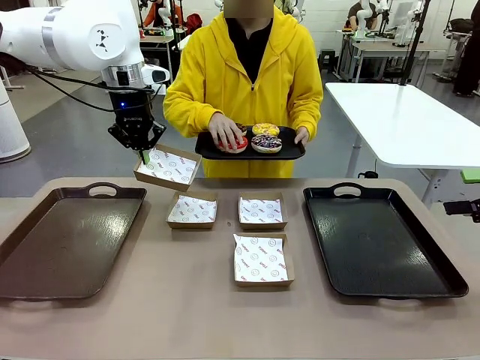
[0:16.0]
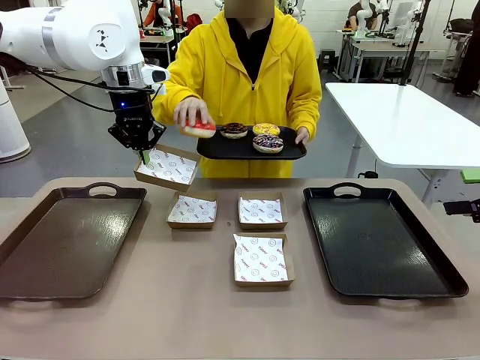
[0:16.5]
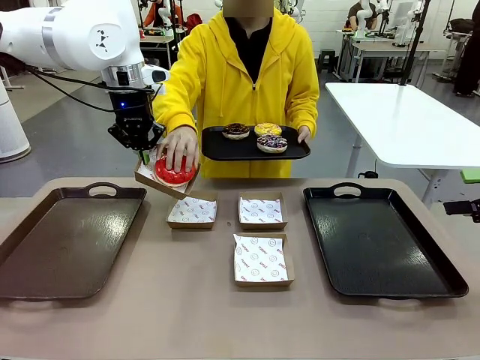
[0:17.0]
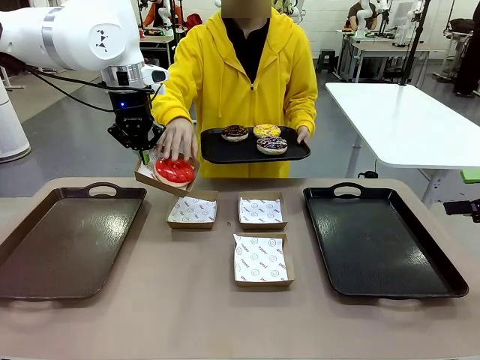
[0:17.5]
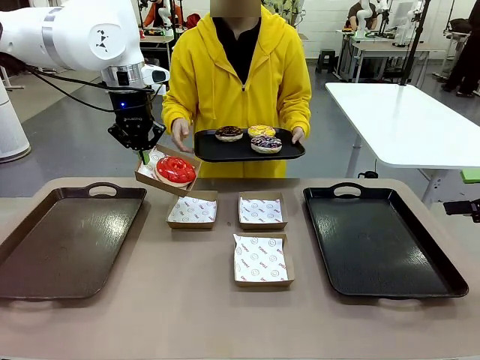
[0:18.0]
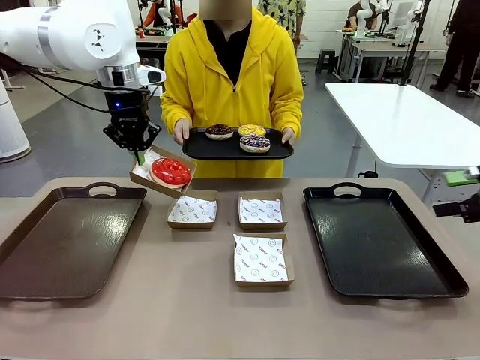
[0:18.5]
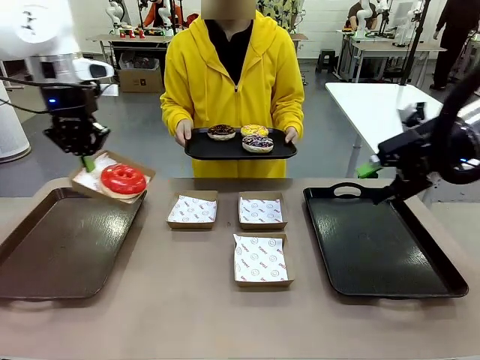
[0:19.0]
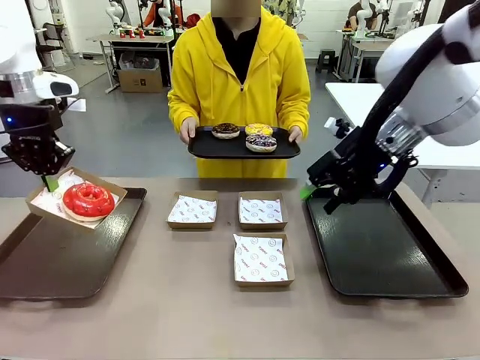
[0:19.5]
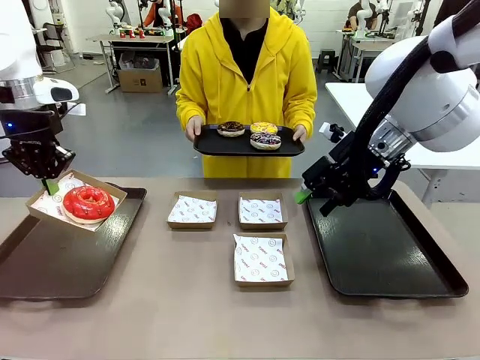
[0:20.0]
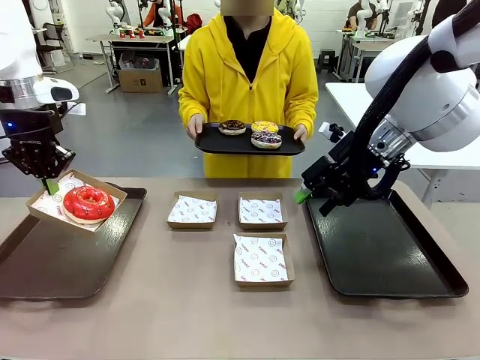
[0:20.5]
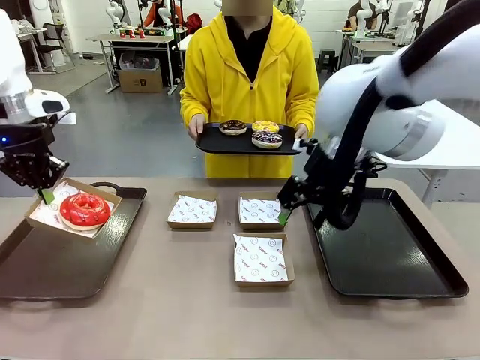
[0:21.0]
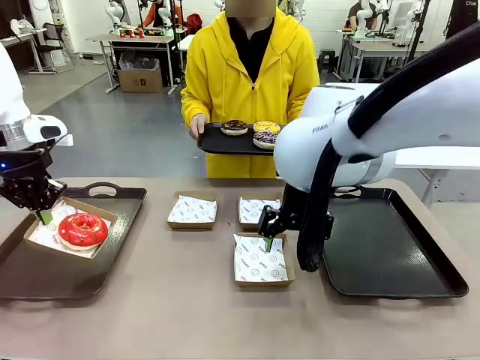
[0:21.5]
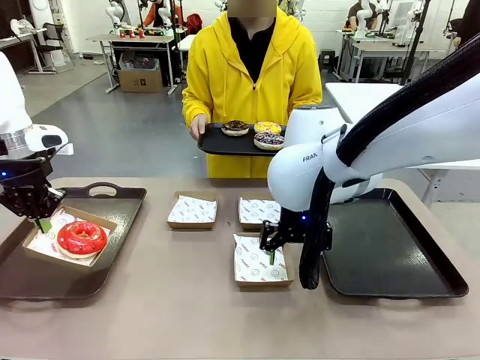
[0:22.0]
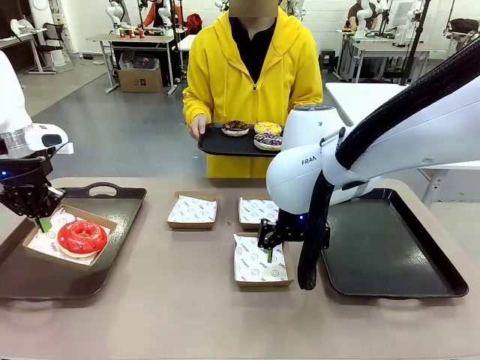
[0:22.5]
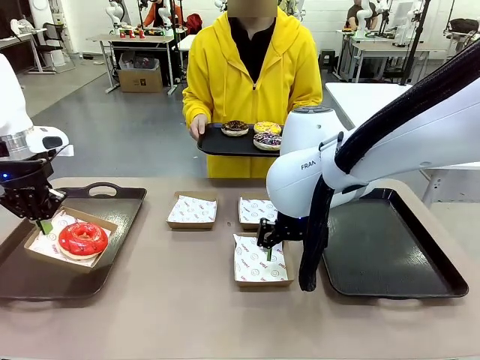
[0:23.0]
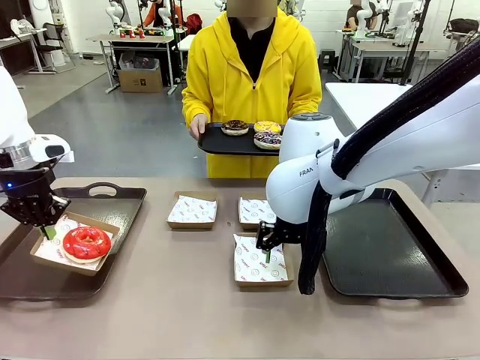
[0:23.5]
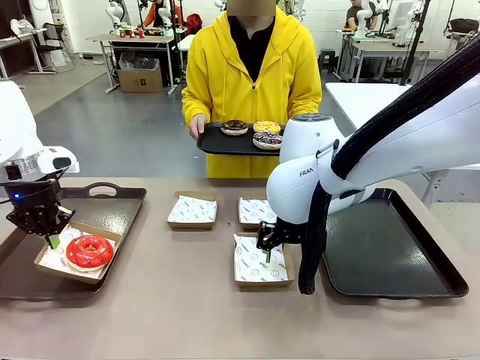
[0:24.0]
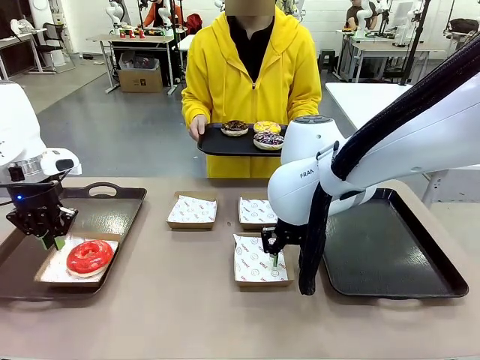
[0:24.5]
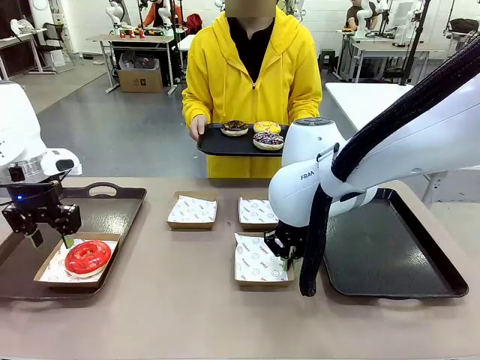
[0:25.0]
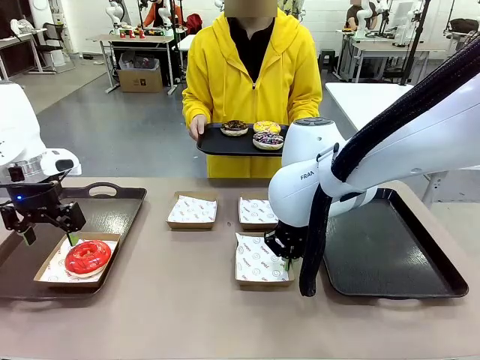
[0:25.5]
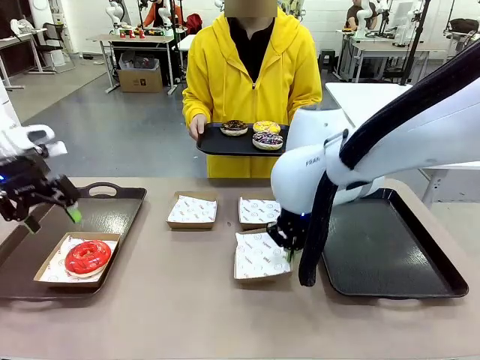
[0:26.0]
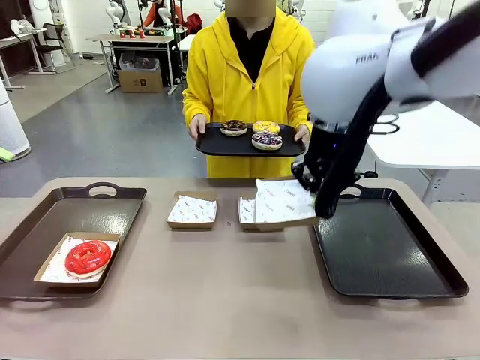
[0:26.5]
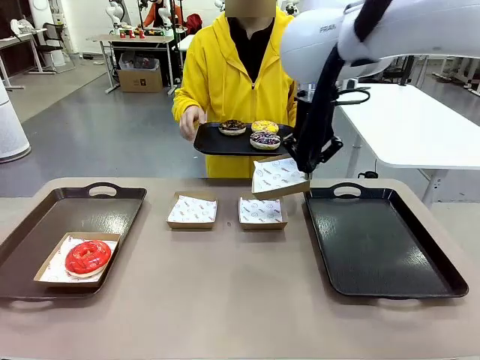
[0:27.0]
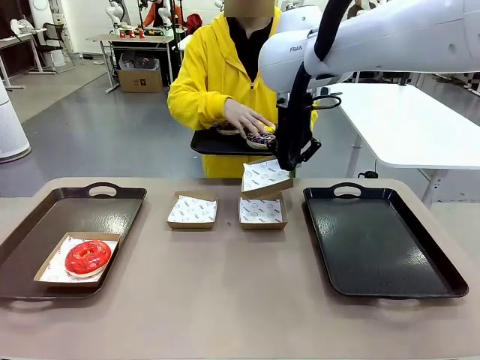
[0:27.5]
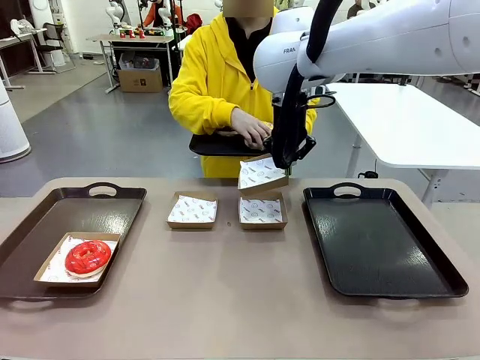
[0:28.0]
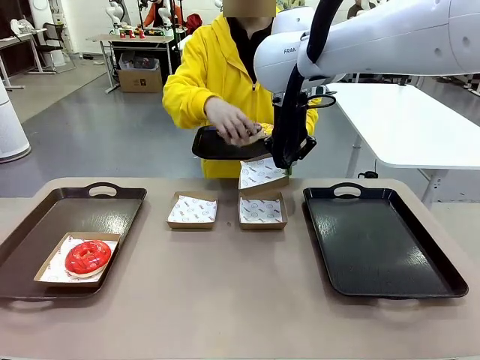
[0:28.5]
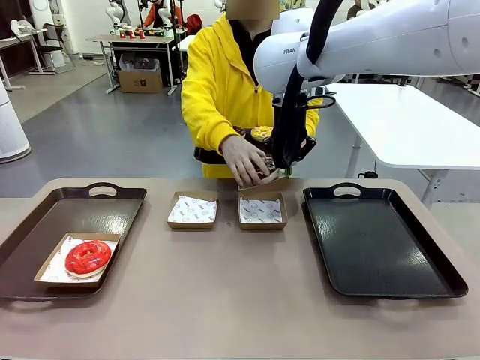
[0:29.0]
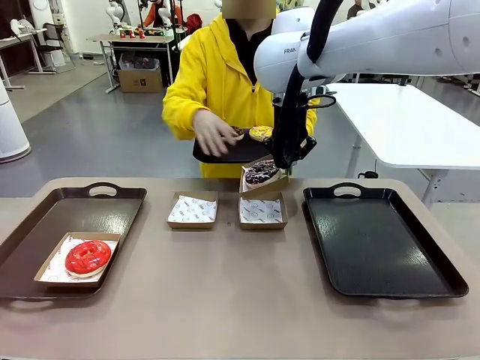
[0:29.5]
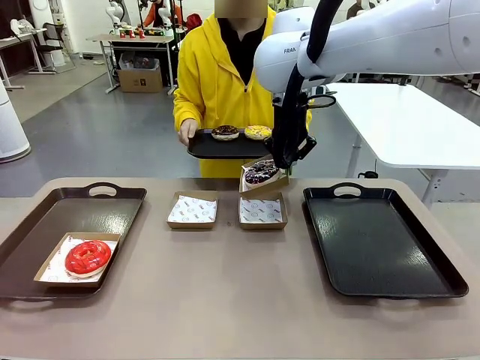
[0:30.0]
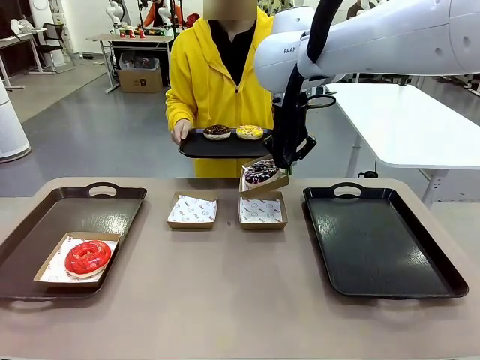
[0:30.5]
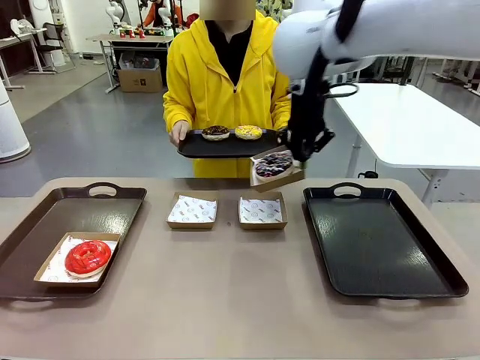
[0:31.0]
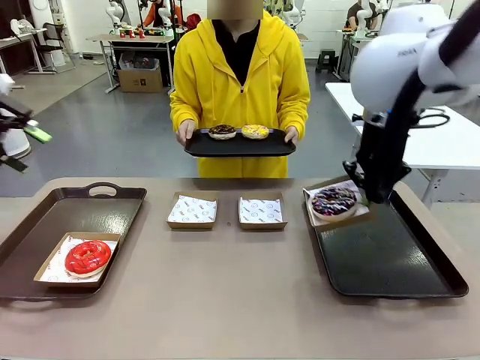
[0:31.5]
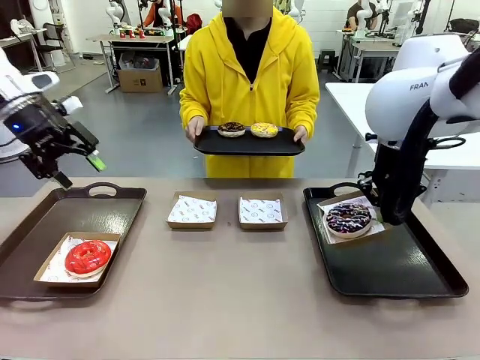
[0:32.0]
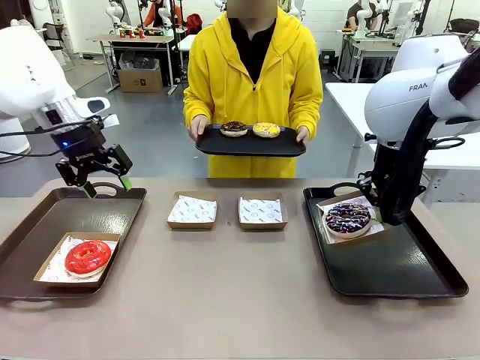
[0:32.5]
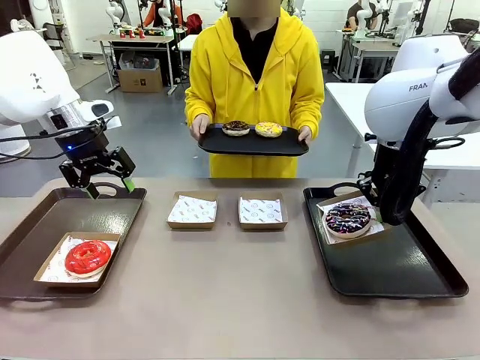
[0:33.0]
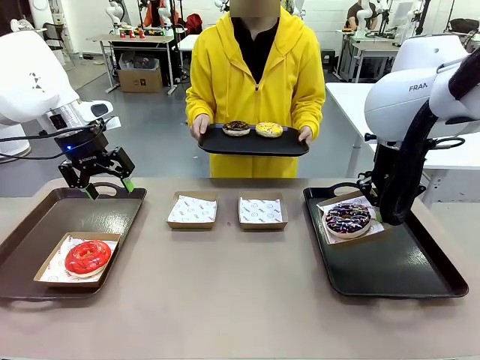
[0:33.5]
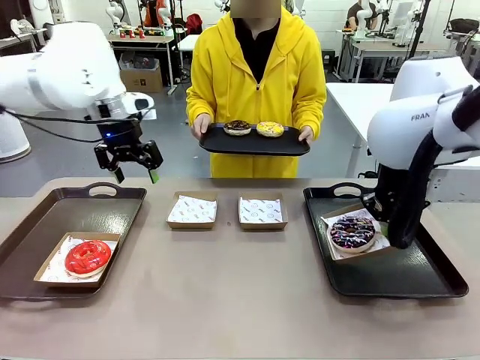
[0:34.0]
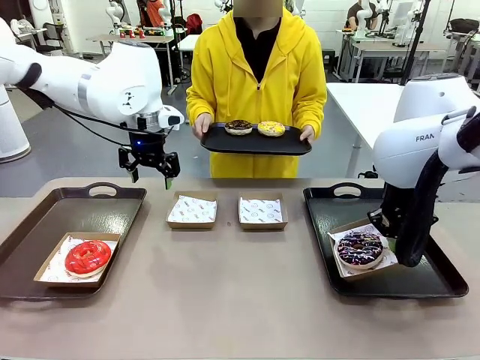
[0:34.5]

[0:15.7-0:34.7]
Task: Individually package the donuts and arrange them on the tray.
Robot: Place the picked Paper togo box on the Handle tray while simultaneously picking up another Paper togo box from the table with the other hand.

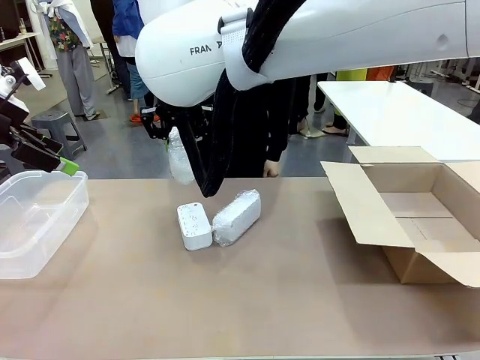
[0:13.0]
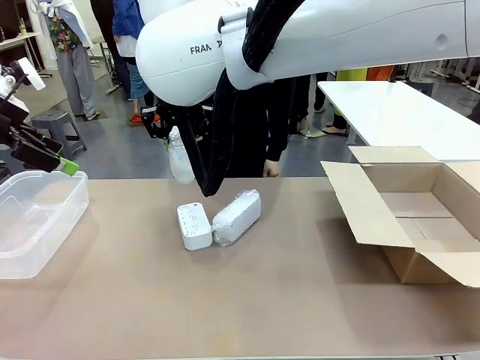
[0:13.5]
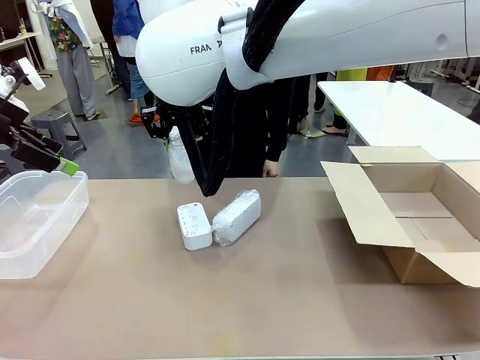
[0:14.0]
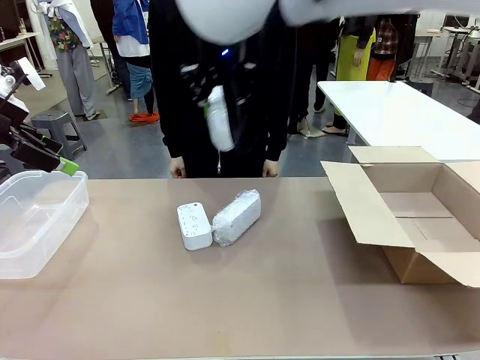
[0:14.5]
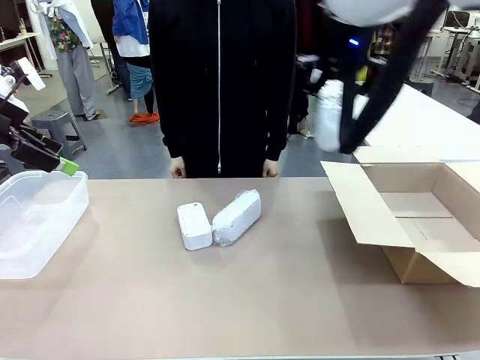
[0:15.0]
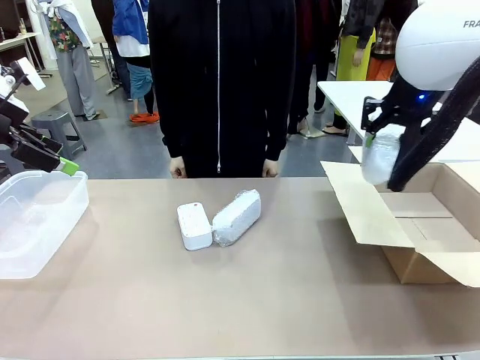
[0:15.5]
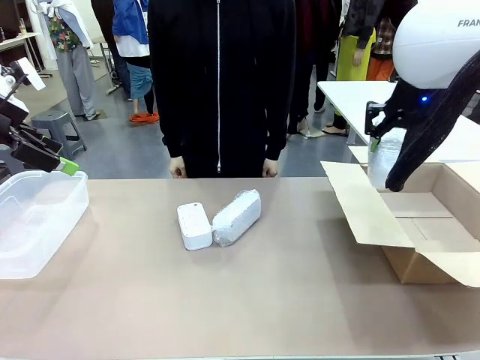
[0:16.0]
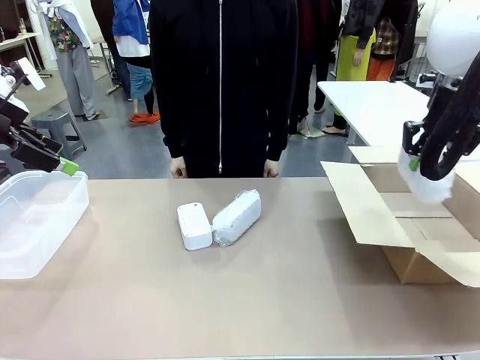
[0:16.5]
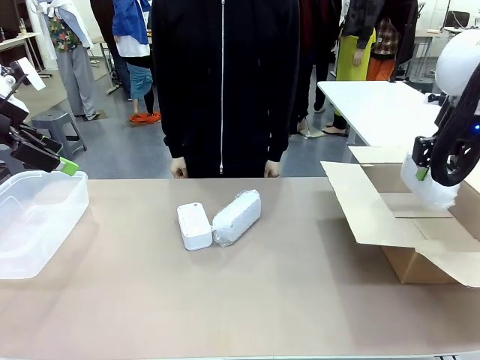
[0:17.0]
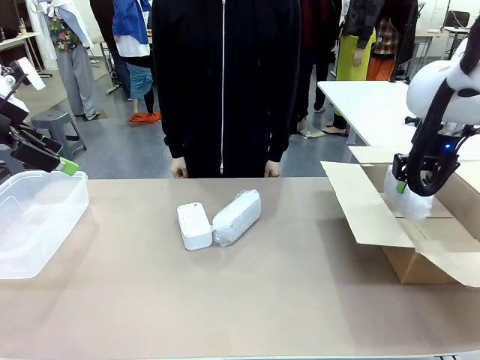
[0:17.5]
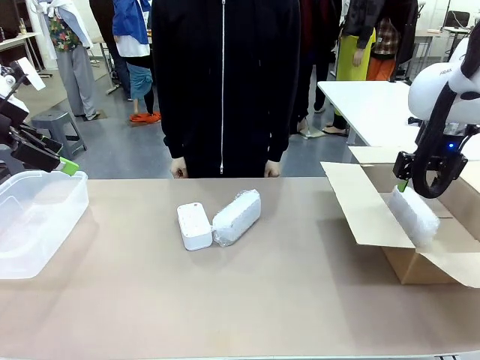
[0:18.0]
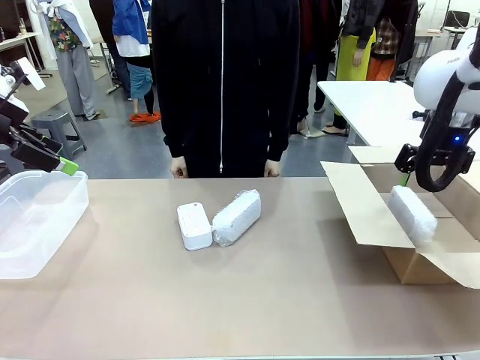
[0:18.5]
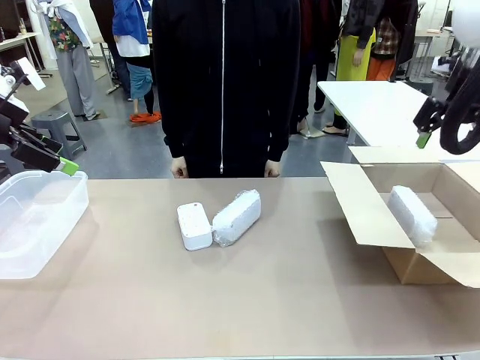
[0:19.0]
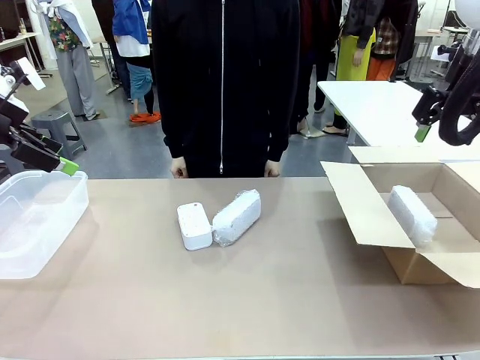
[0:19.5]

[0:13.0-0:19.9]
Task: Separate and place wrapped and unwrapped clocks.
Robot: If the picked Digital clock is wrapped, place it in the Package Box ; if not, place it in the Organizing box.
